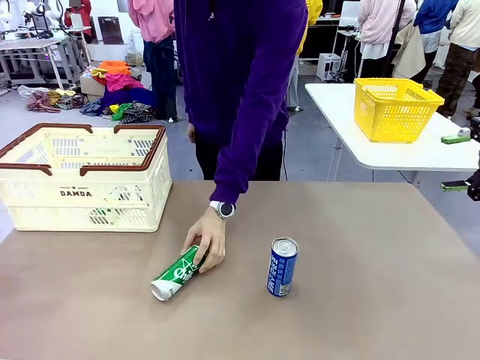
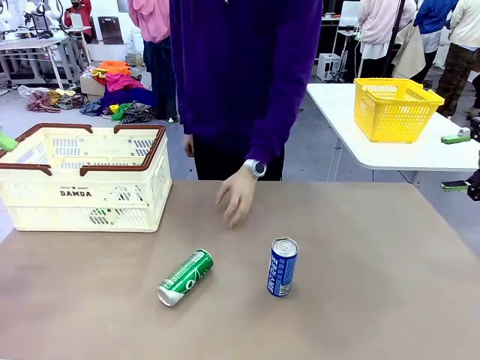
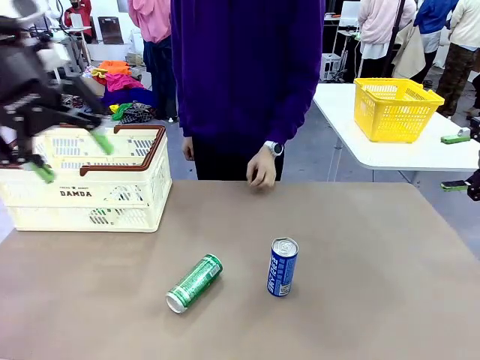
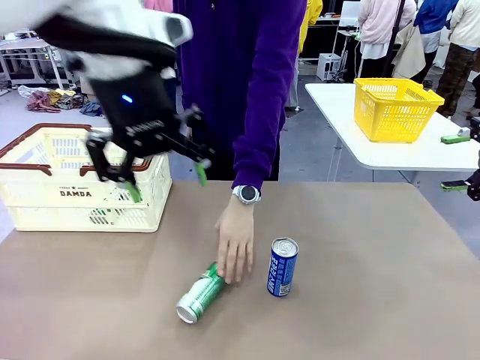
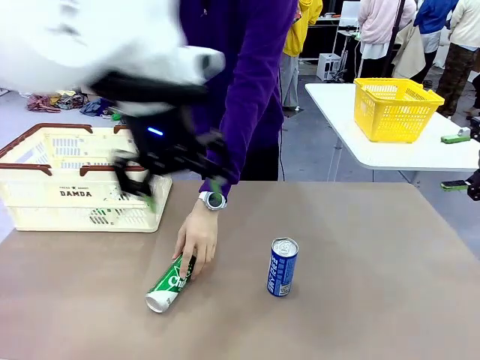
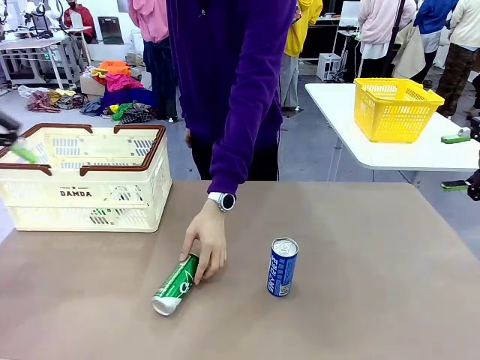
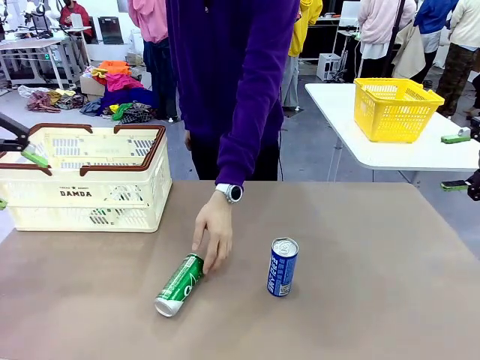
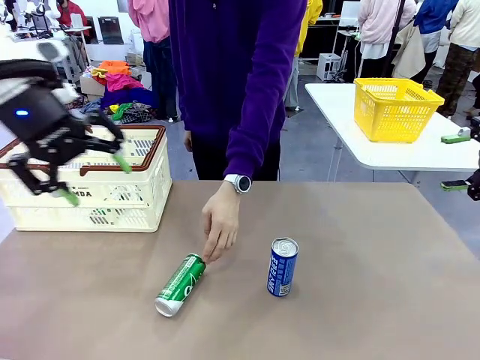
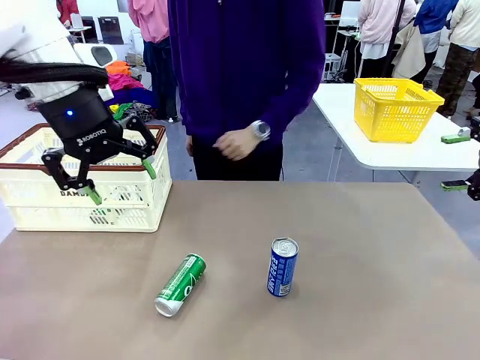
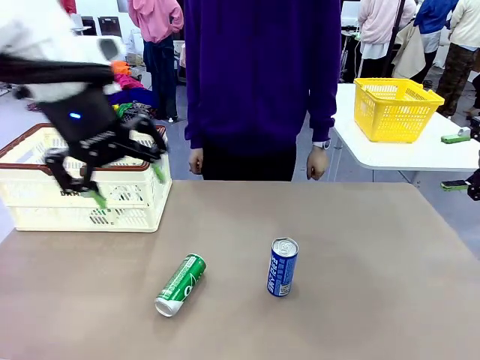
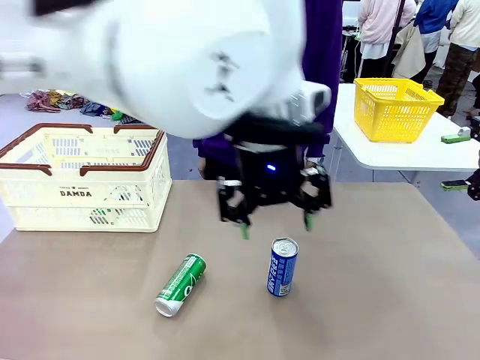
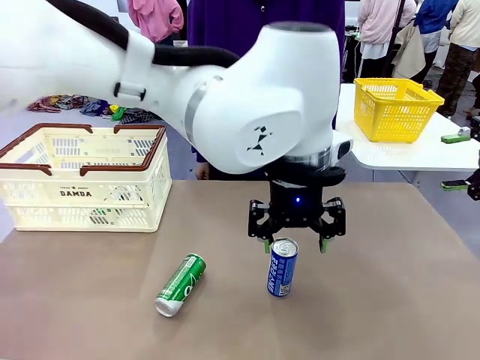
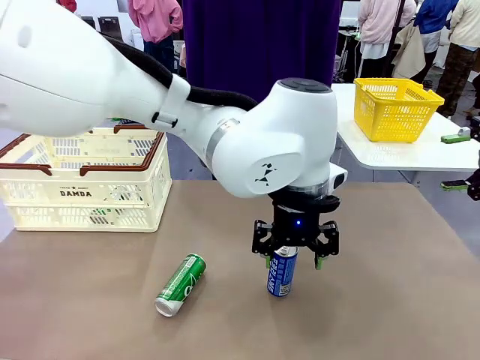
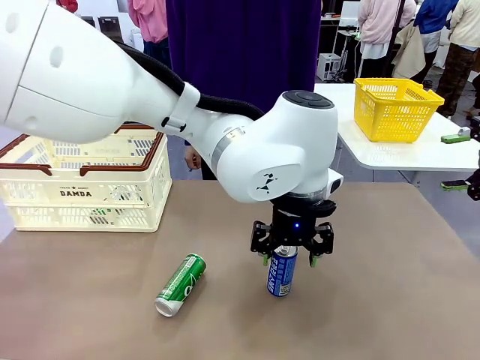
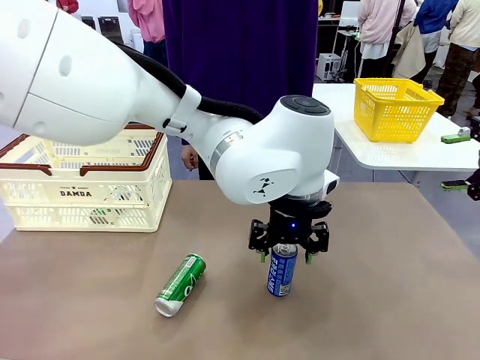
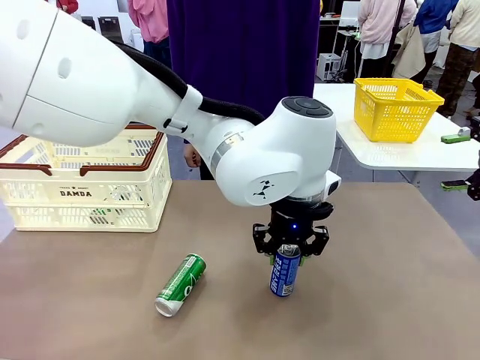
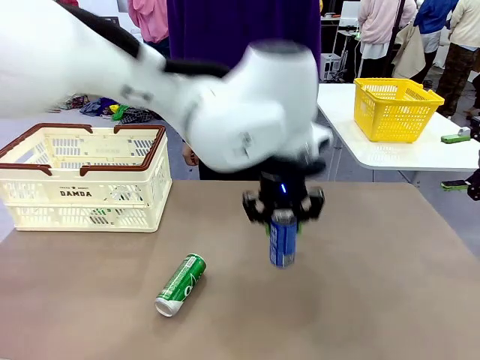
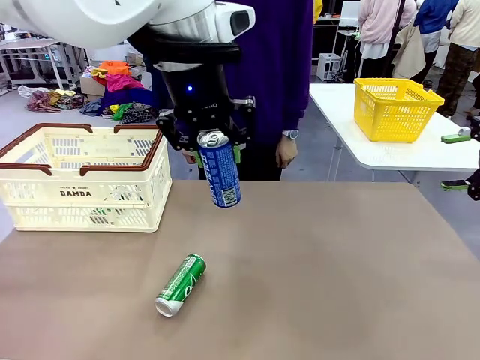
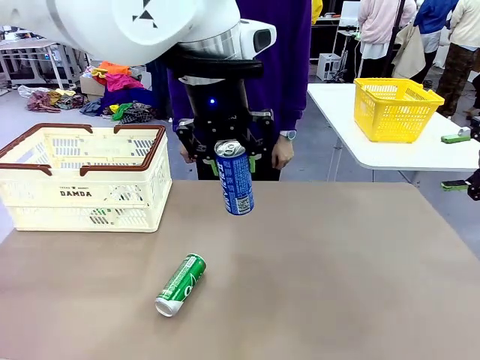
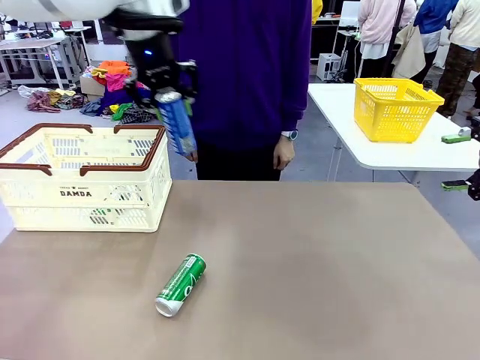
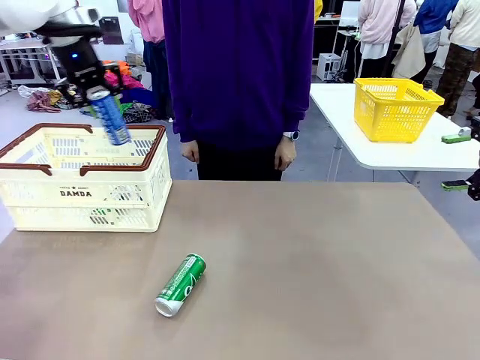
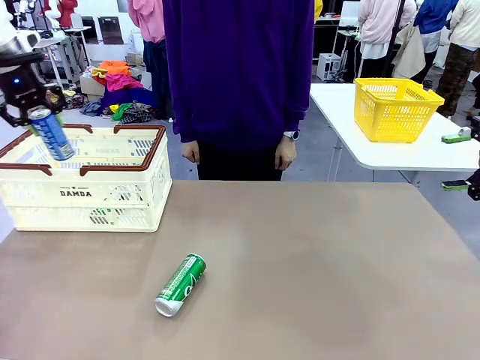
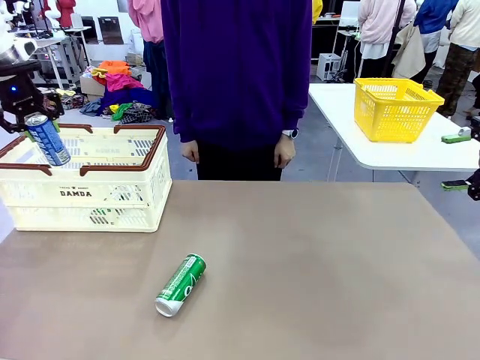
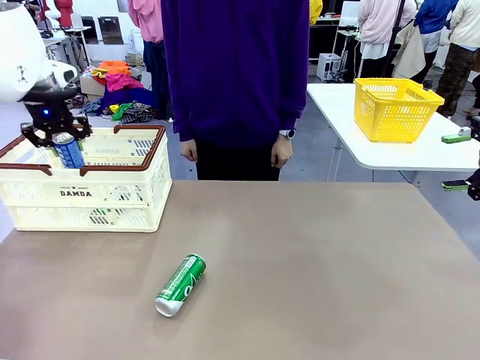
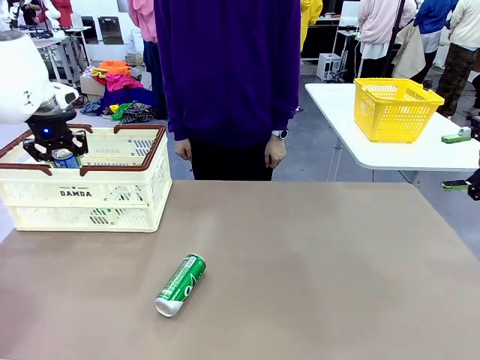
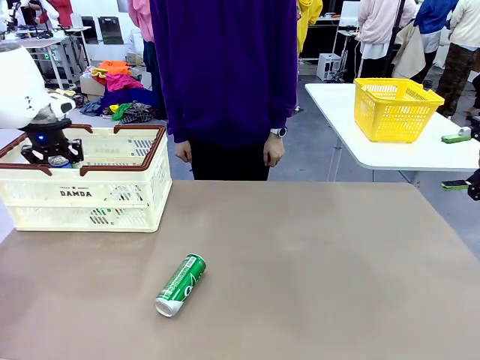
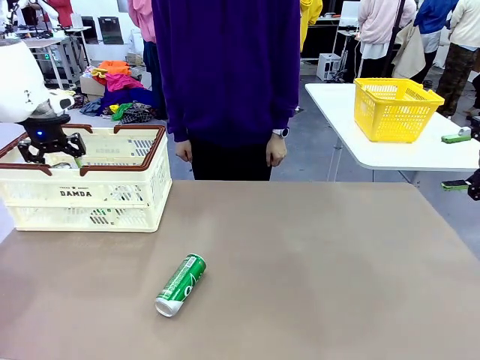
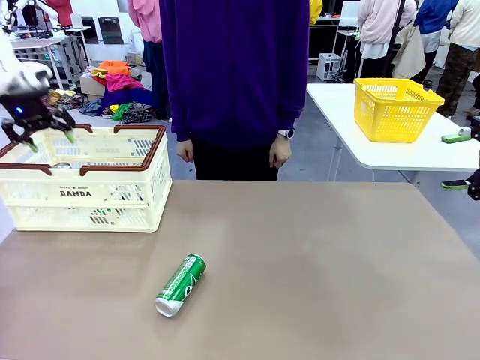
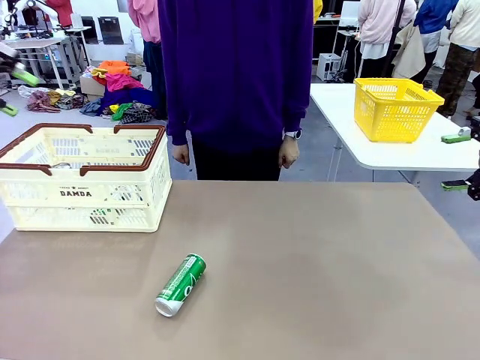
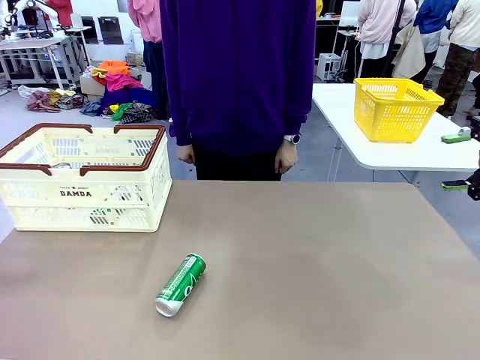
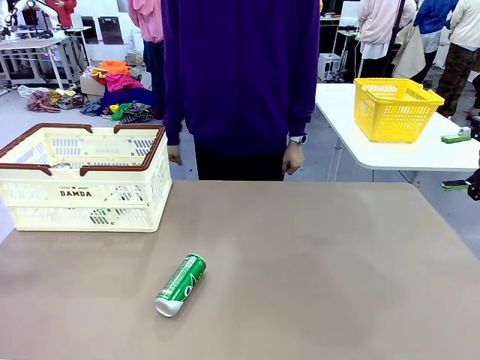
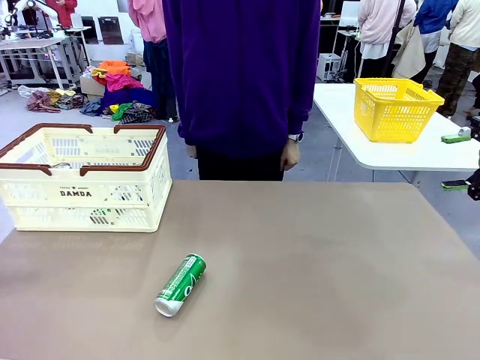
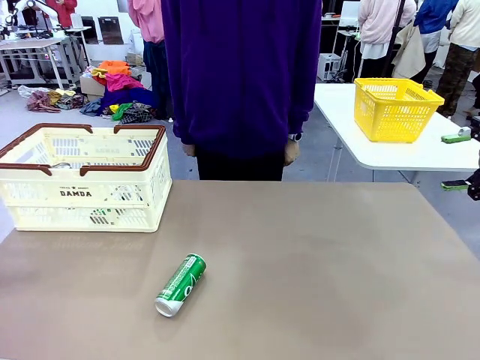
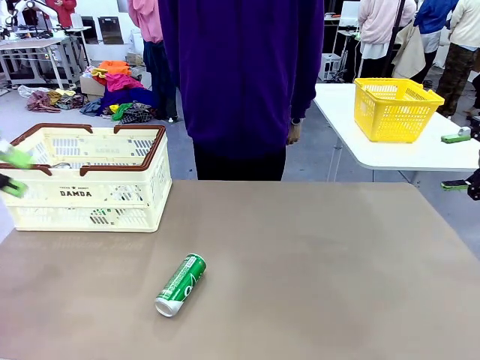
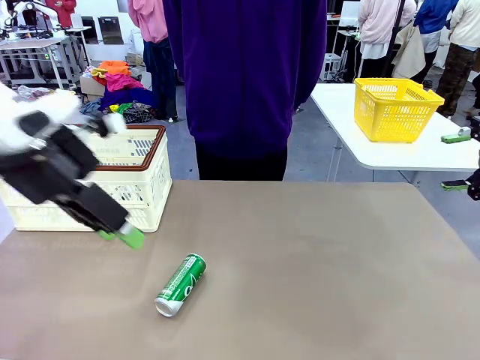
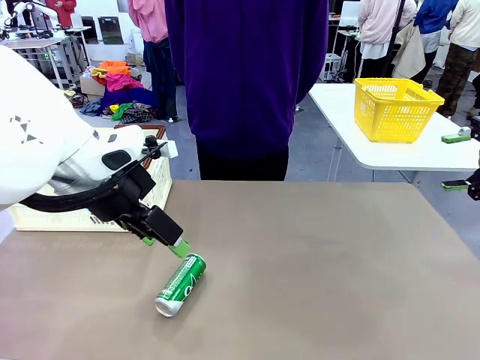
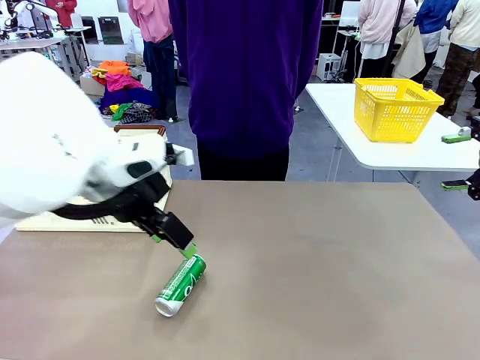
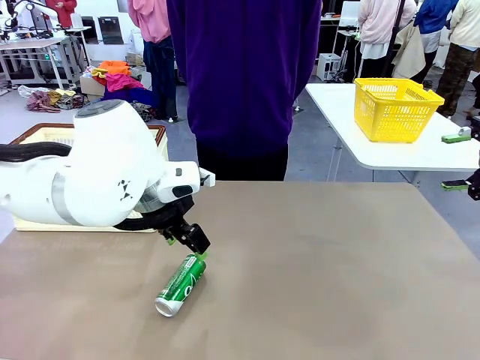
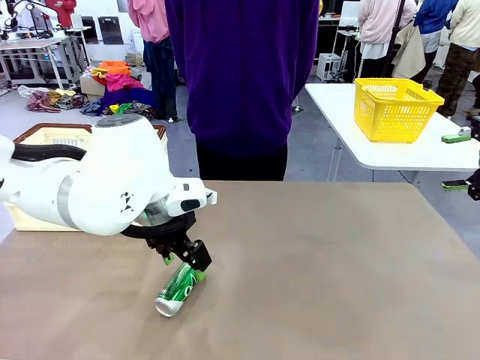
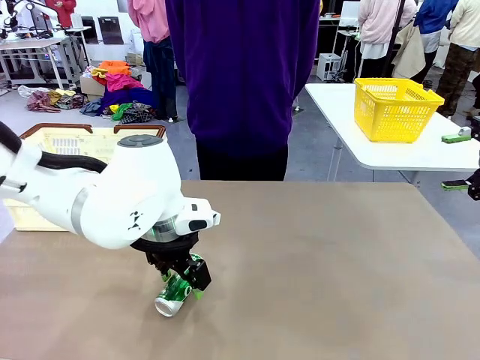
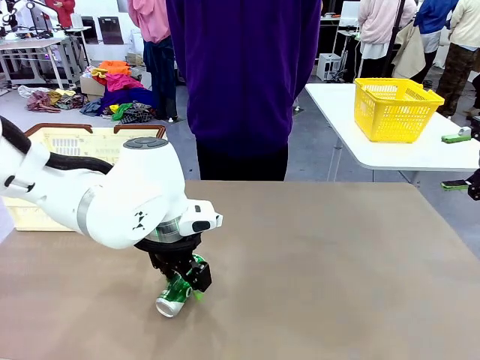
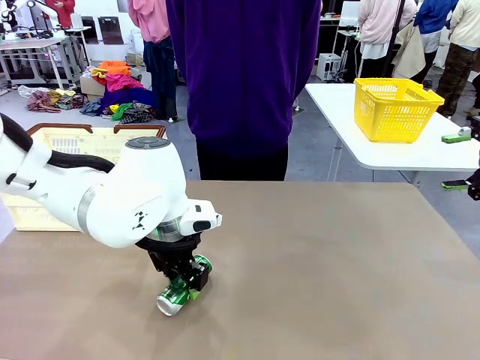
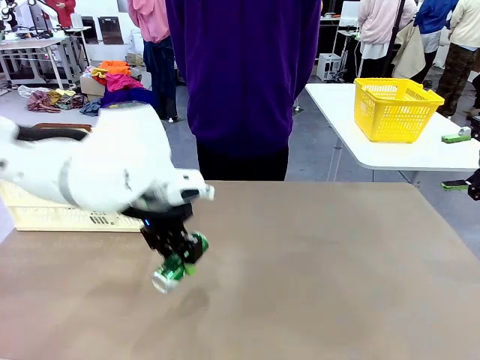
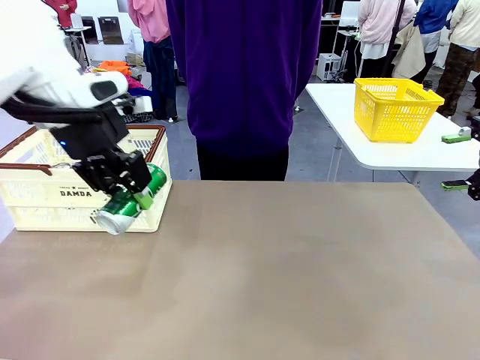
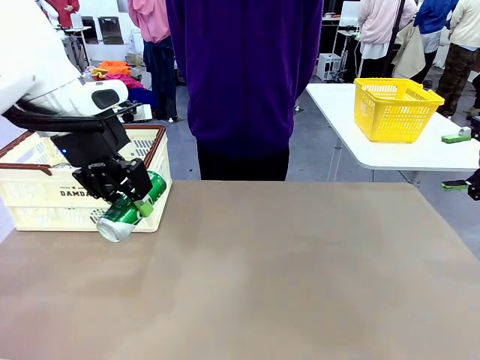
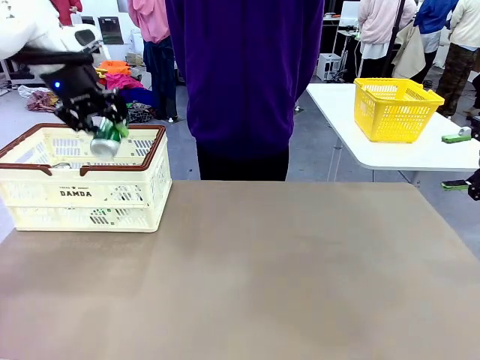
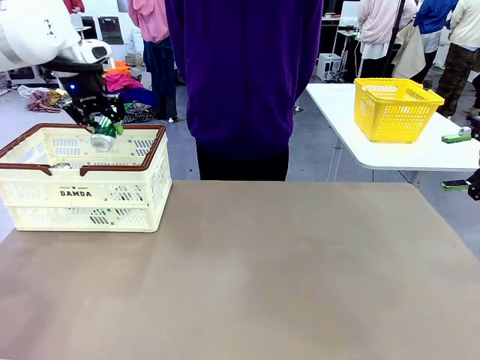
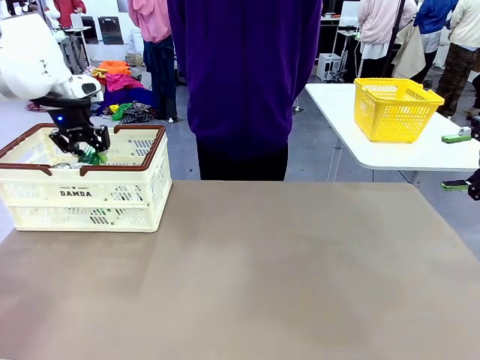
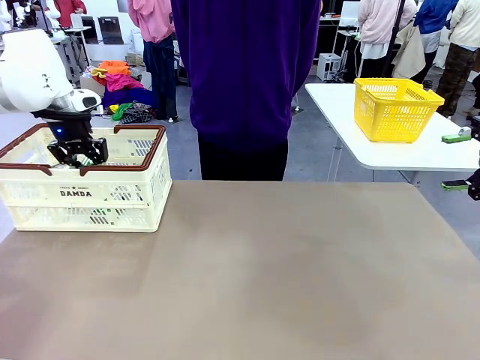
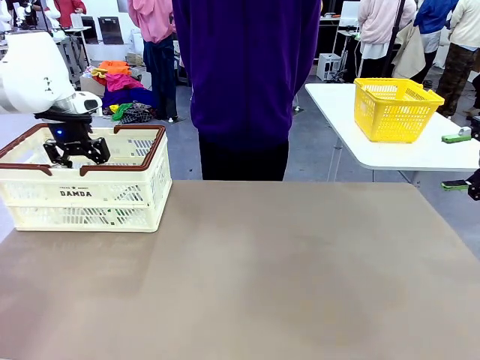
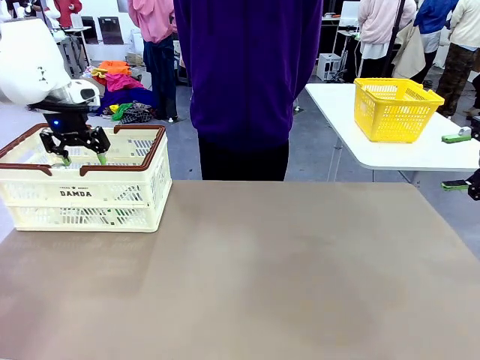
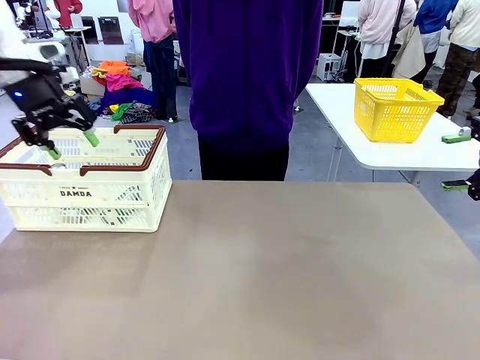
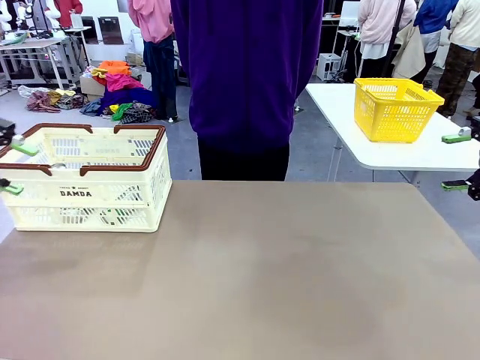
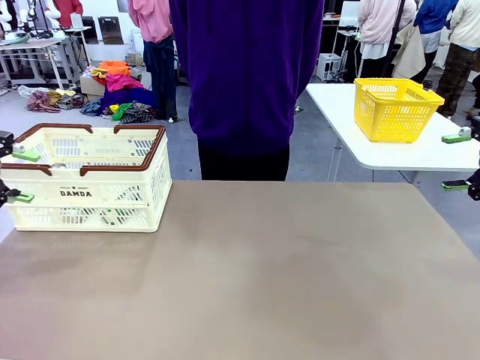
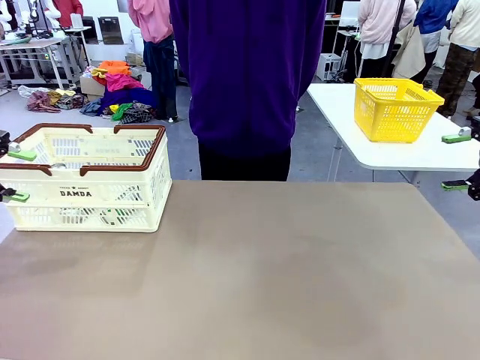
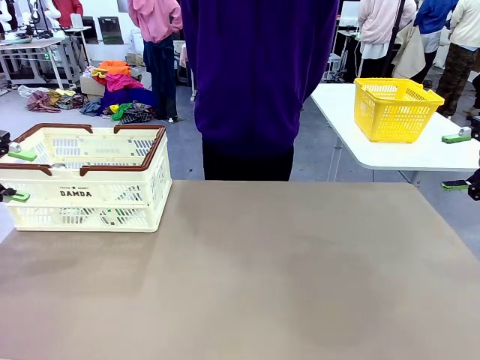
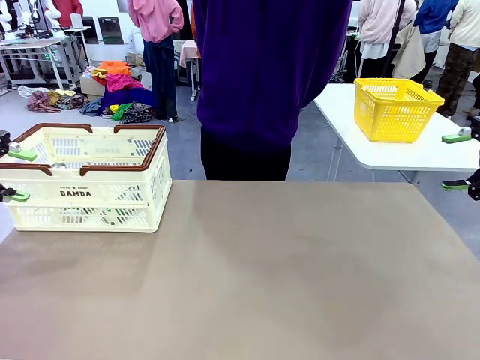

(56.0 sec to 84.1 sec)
Task: Place the drinks into the Shopping basket.
Robot: Pick up one drink and place it into the Shopping basket.
